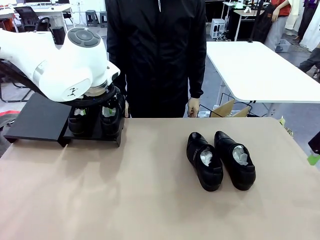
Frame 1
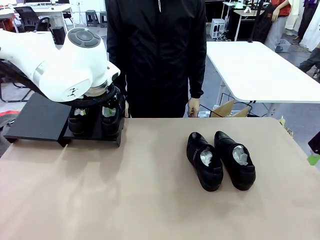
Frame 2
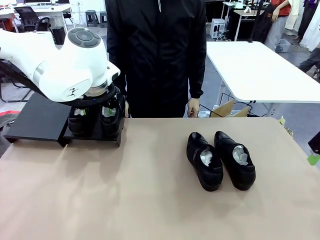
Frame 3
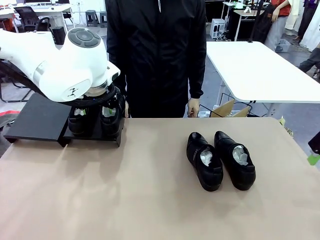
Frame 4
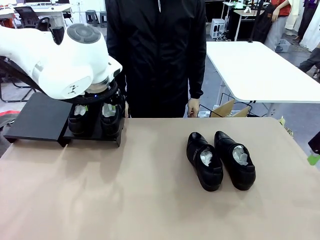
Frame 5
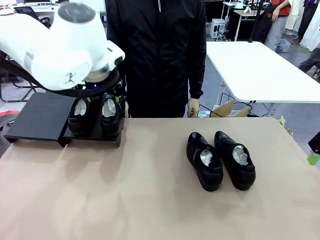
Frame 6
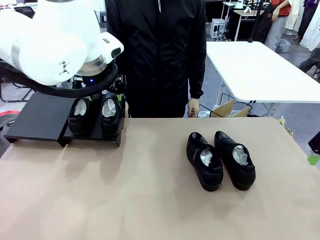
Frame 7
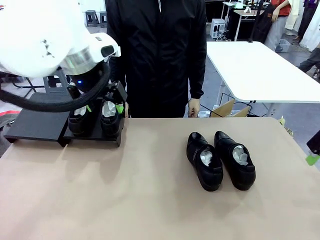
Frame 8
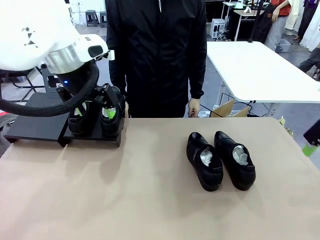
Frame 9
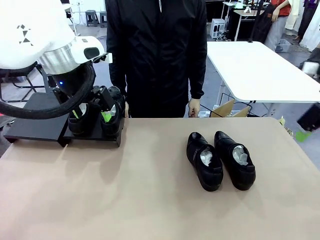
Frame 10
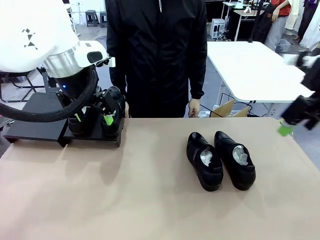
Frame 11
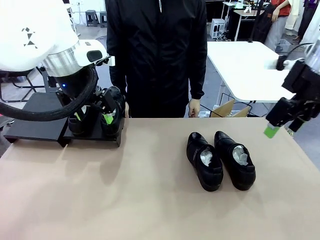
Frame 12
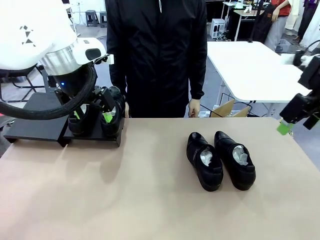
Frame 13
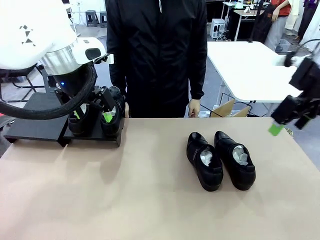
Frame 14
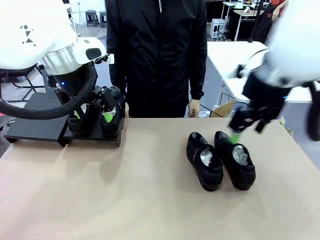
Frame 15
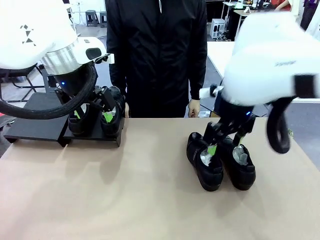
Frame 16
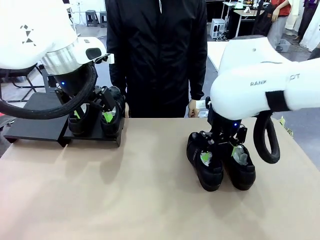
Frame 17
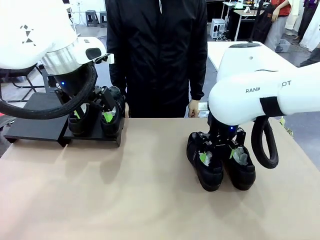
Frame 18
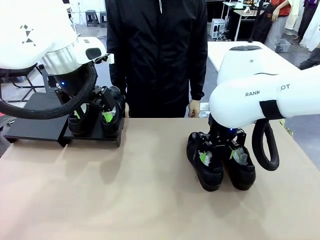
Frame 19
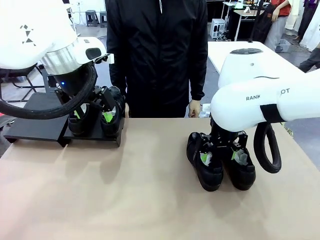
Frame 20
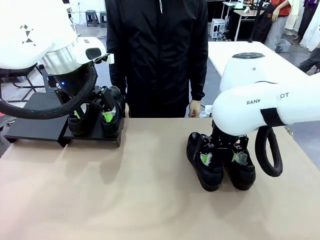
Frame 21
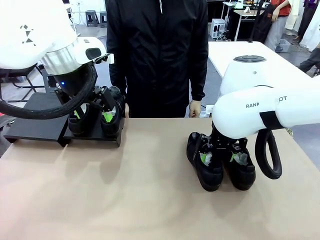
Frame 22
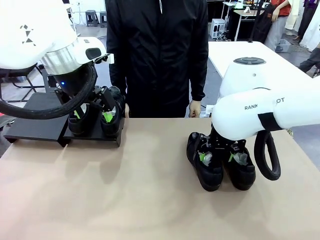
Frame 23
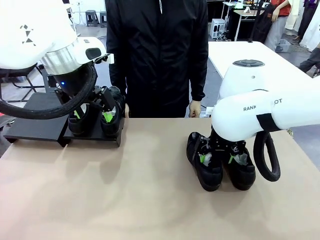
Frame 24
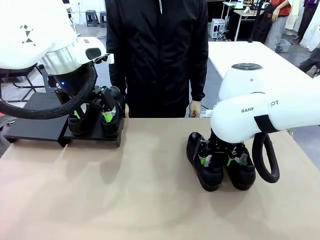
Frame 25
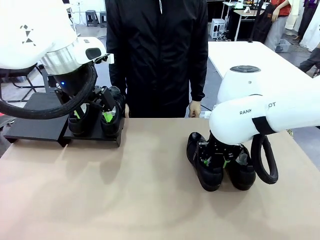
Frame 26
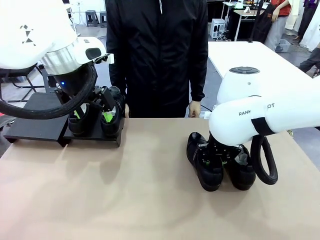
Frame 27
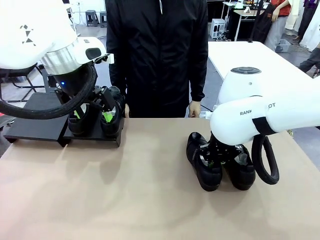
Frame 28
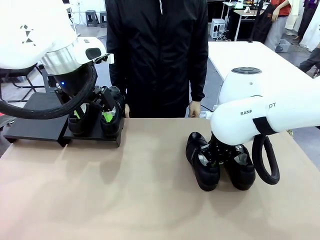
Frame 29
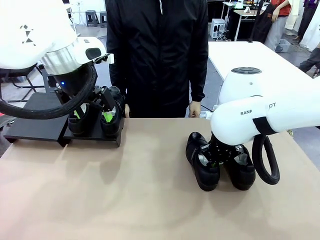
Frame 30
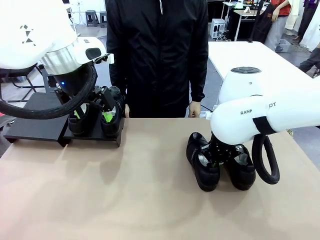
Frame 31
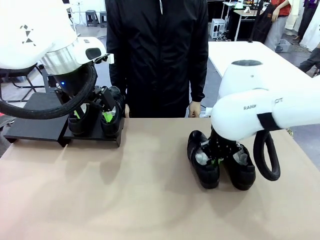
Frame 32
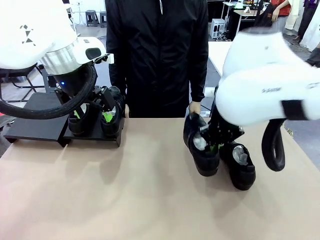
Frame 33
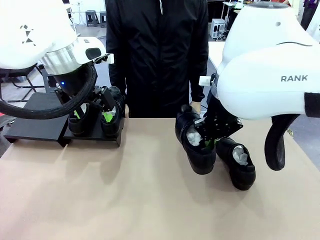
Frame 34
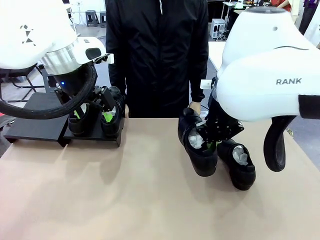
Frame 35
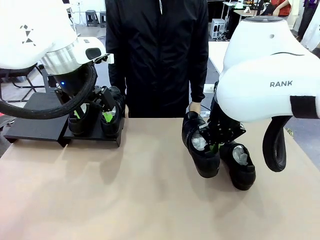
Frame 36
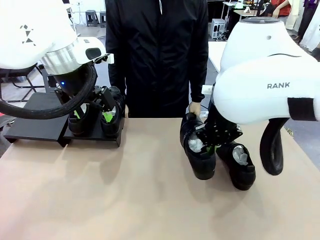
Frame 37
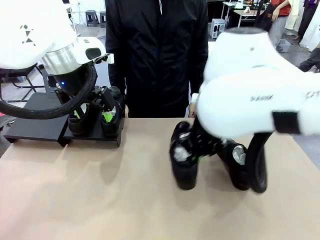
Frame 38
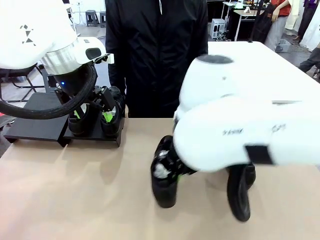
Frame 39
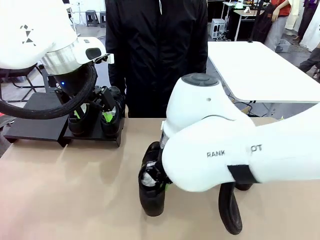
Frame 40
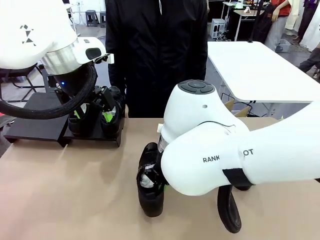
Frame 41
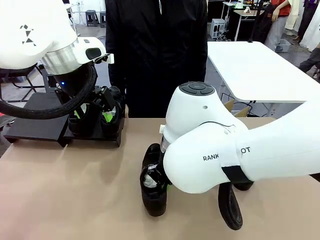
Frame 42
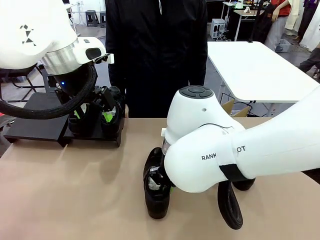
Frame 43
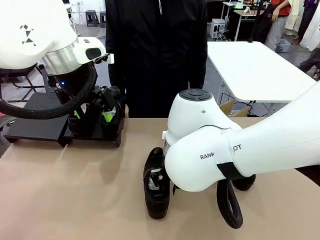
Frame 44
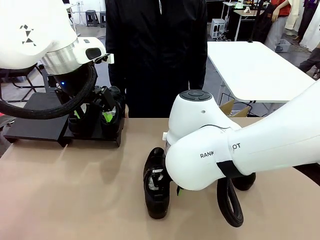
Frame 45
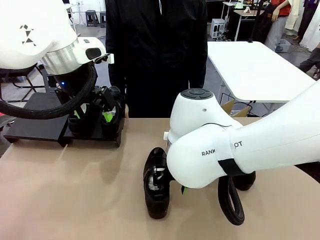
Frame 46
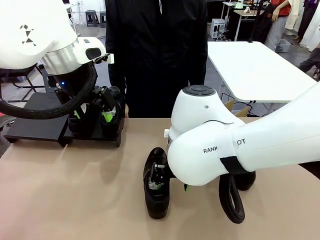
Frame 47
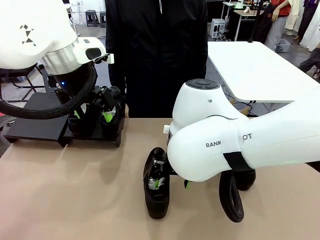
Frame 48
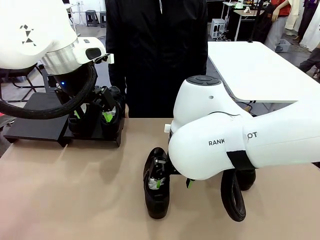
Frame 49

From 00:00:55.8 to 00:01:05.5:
Task: Organize the shoes by placing them on the stand.
Robot: Pick up one Shoe and place it in the middle of the table.

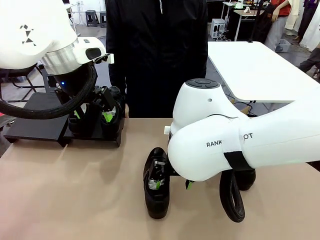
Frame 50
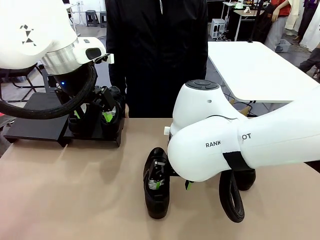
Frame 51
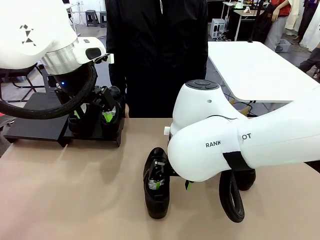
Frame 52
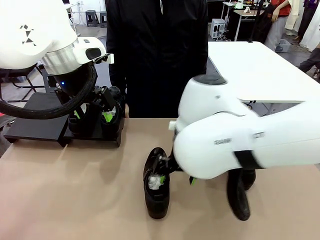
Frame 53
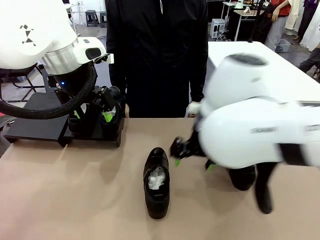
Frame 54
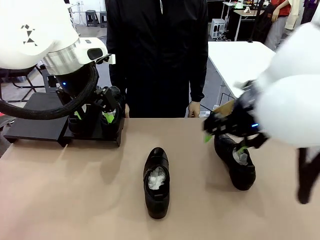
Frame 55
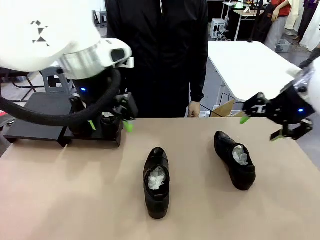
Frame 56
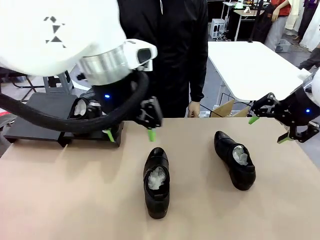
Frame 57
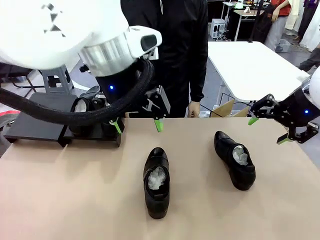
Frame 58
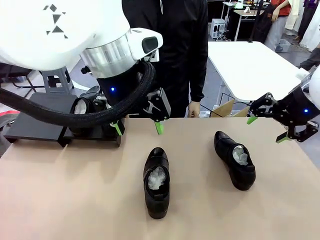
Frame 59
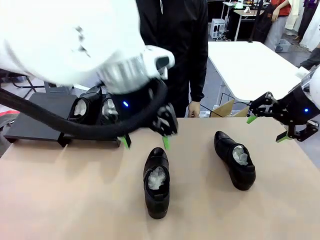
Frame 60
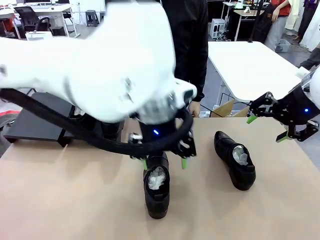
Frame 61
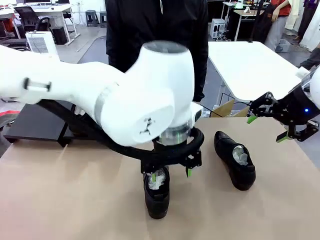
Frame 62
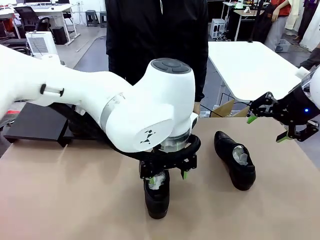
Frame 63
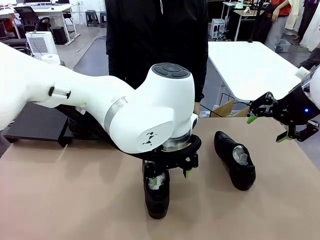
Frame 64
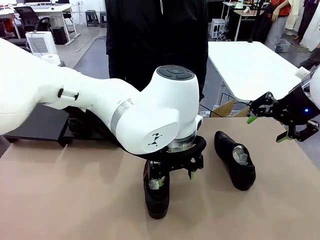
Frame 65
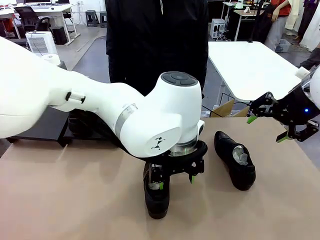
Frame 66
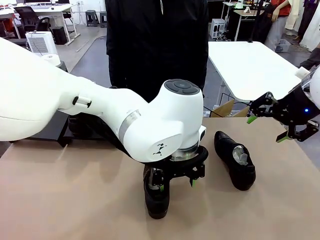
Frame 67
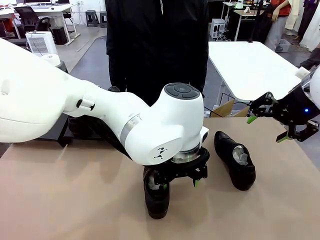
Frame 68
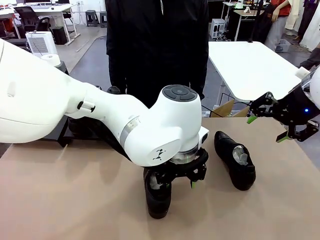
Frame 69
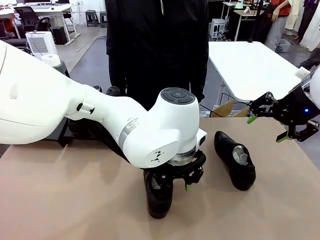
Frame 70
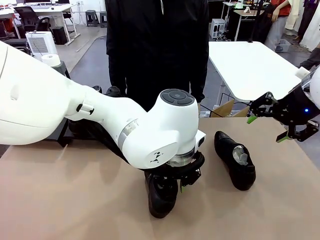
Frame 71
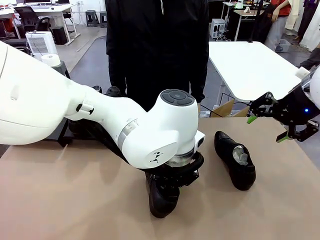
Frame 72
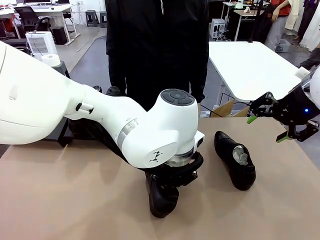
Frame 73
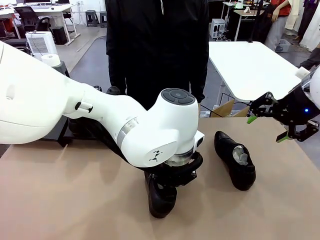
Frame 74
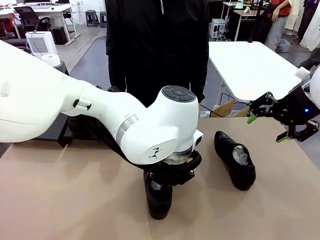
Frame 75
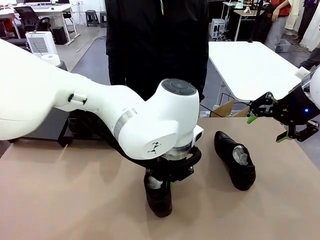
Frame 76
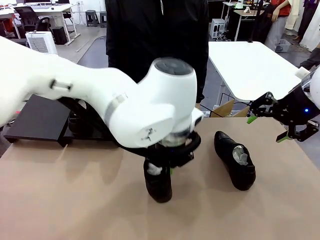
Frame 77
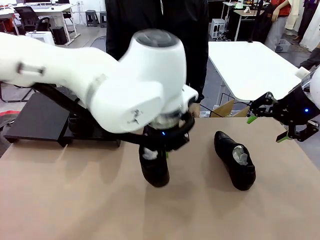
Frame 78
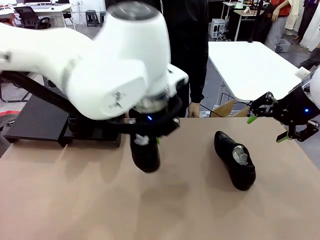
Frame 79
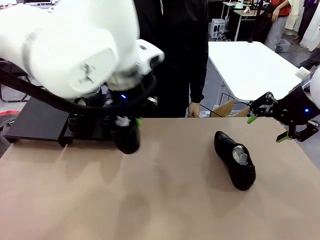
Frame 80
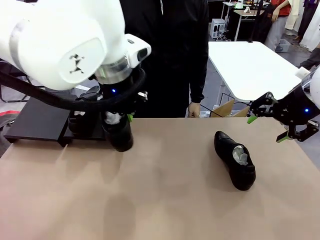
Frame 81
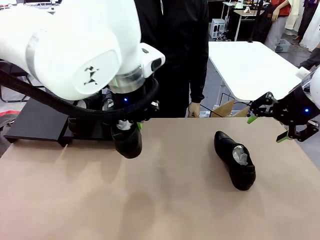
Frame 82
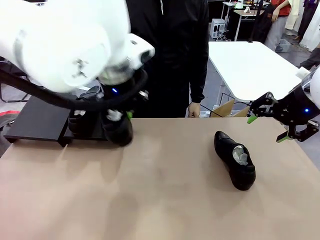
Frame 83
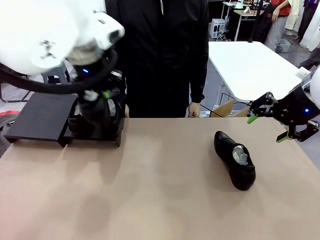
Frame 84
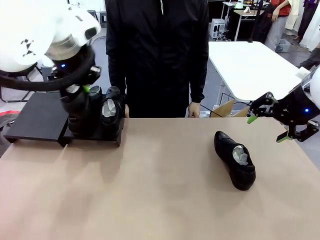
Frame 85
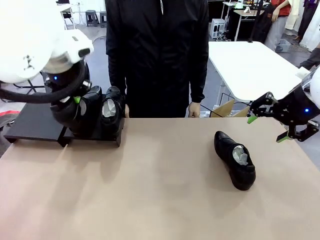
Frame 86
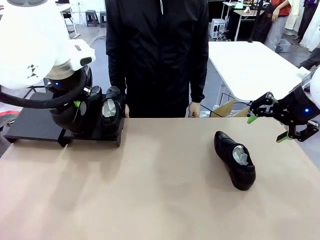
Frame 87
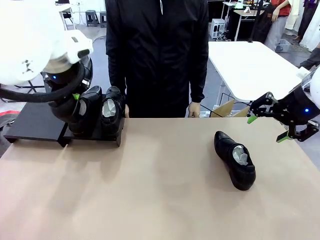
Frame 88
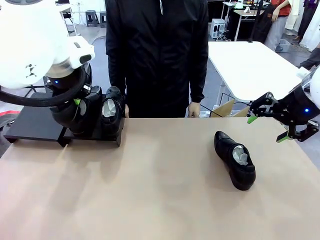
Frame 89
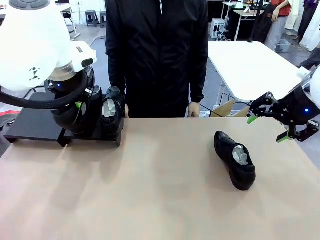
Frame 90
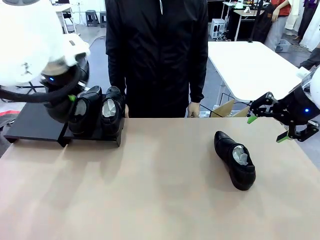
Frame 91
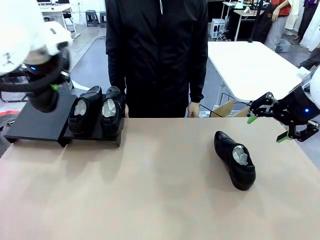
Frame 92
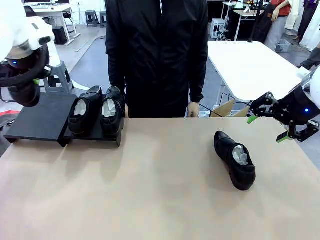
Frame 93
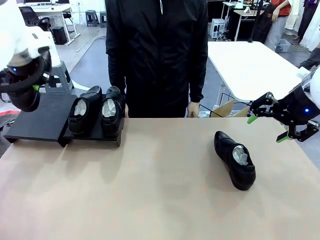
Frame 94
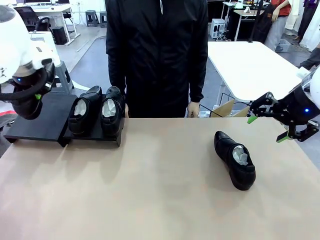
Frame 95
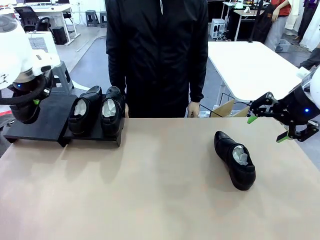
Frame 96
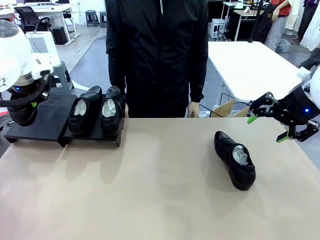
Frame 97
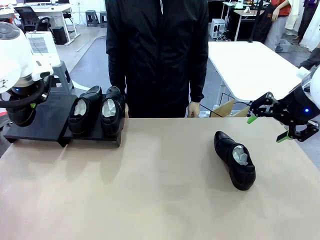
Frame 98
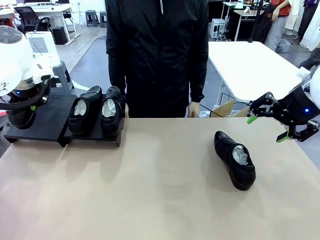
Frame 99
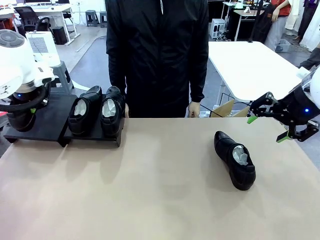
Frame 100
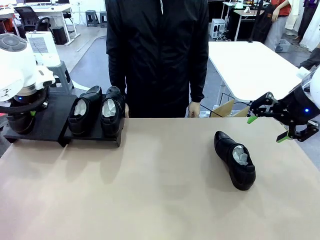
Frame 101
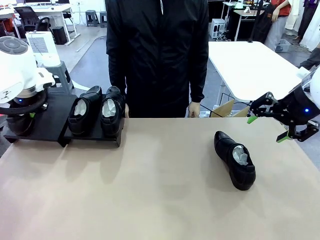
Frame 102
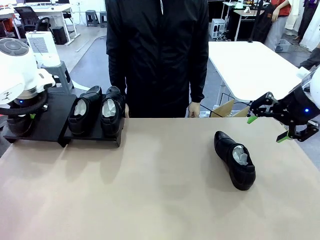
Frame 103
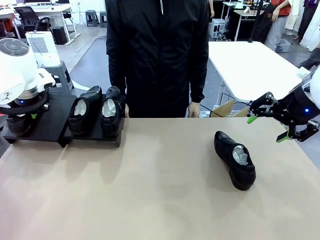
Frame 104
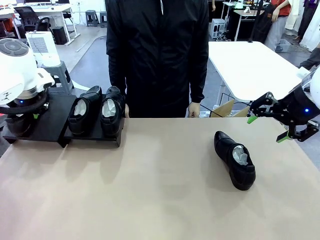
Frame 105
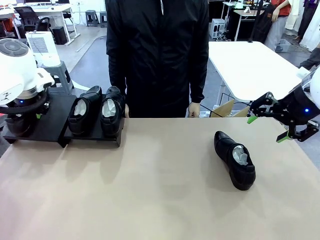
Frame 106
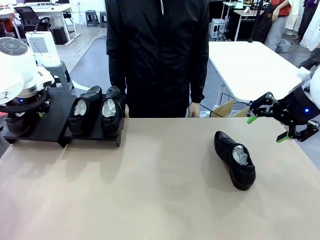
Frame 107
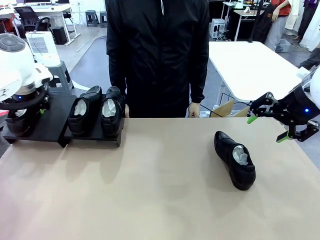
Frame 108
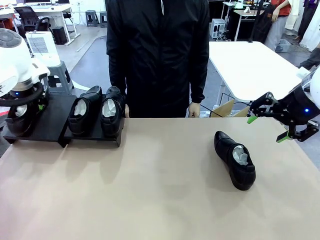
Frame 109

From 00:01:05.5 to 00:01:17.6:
Robot: Place the Shoe from the middle of the table onto the Shoes Stand.
